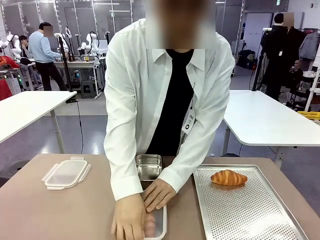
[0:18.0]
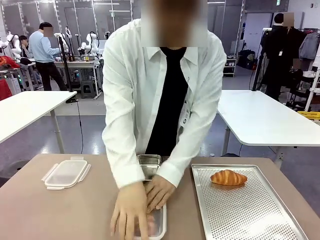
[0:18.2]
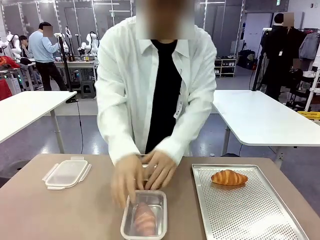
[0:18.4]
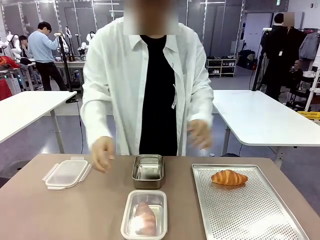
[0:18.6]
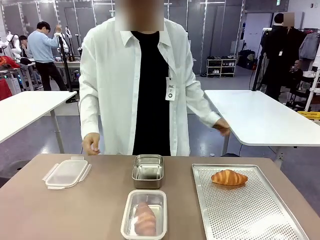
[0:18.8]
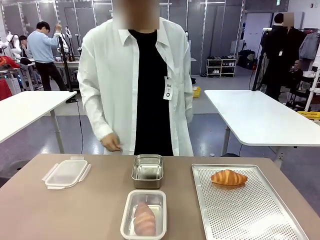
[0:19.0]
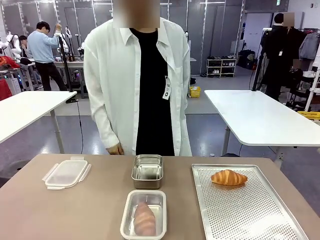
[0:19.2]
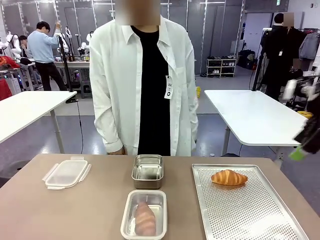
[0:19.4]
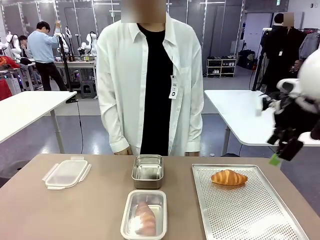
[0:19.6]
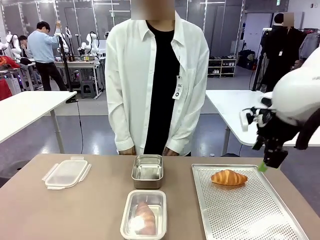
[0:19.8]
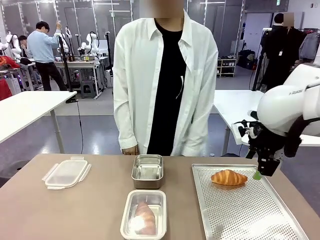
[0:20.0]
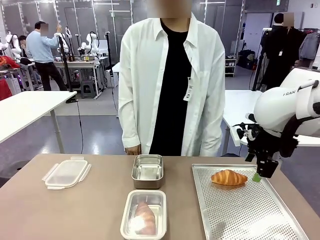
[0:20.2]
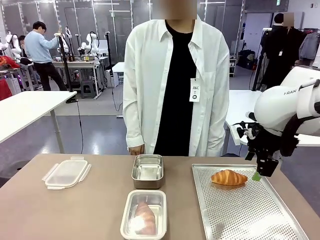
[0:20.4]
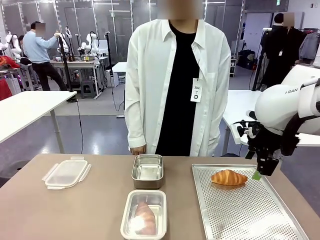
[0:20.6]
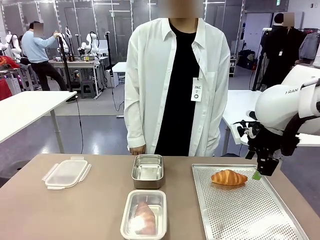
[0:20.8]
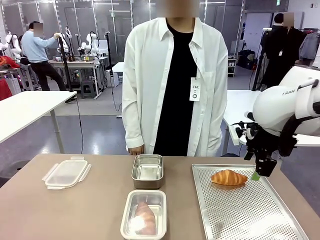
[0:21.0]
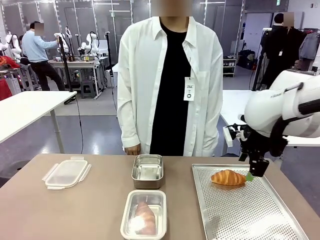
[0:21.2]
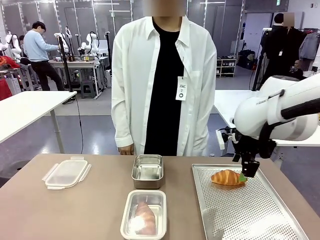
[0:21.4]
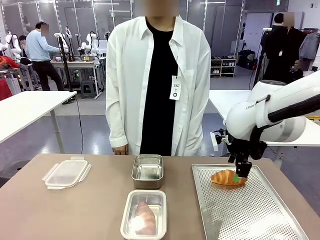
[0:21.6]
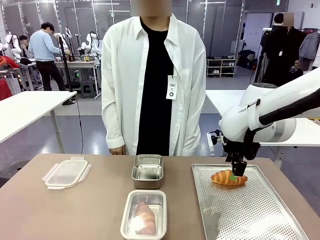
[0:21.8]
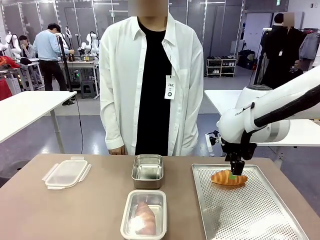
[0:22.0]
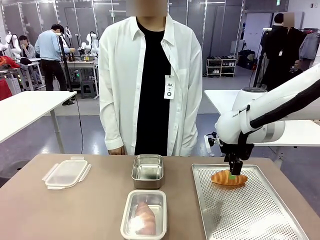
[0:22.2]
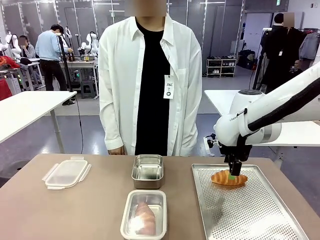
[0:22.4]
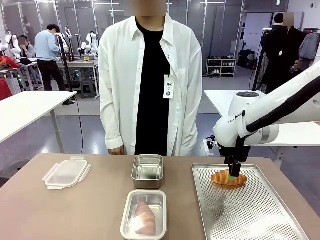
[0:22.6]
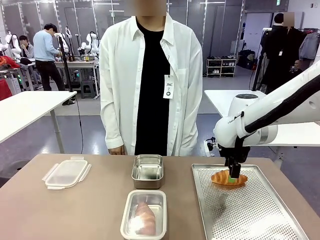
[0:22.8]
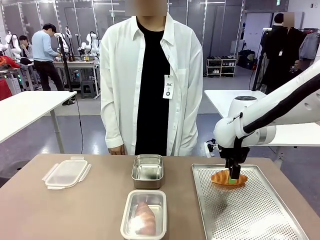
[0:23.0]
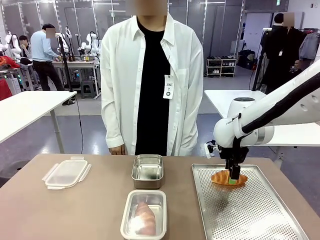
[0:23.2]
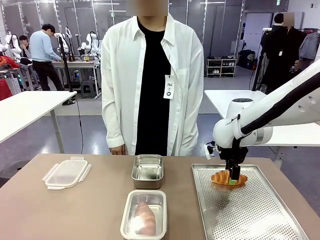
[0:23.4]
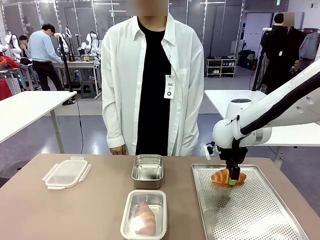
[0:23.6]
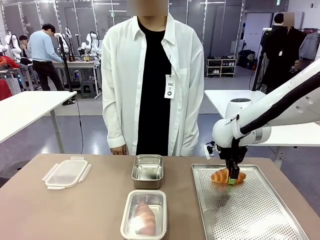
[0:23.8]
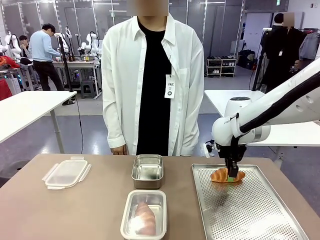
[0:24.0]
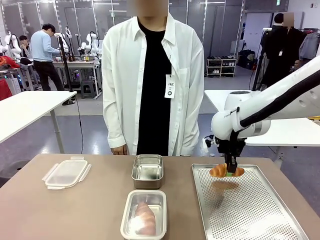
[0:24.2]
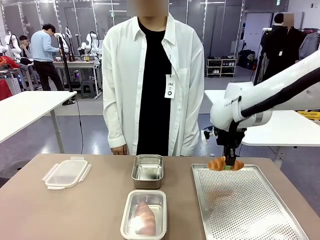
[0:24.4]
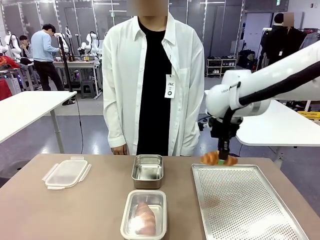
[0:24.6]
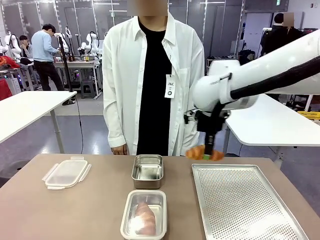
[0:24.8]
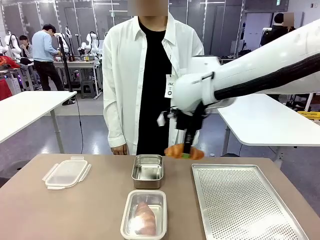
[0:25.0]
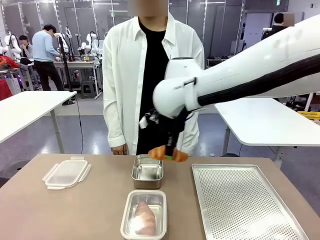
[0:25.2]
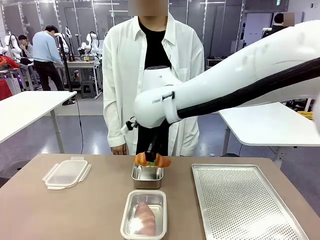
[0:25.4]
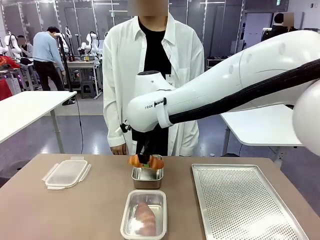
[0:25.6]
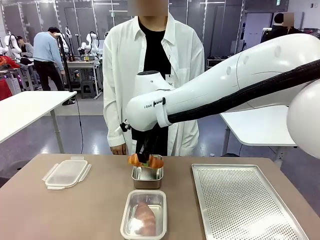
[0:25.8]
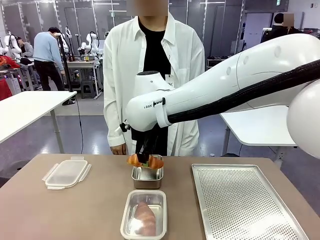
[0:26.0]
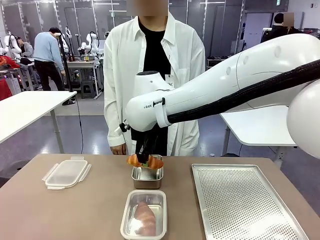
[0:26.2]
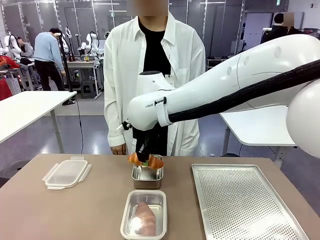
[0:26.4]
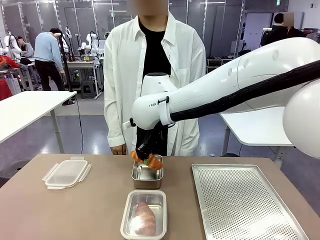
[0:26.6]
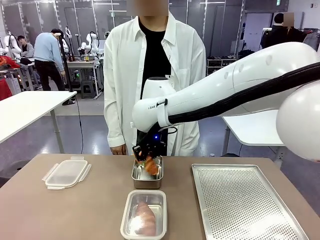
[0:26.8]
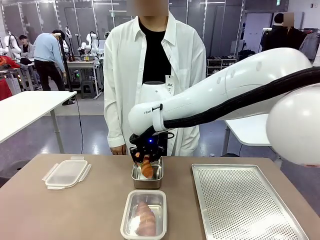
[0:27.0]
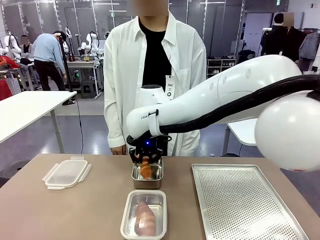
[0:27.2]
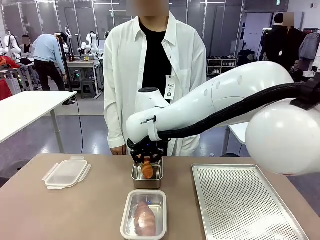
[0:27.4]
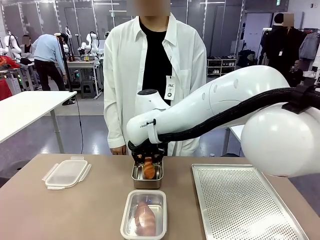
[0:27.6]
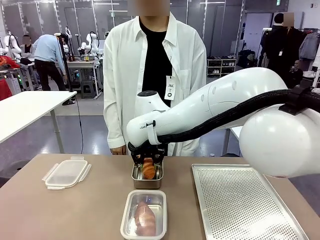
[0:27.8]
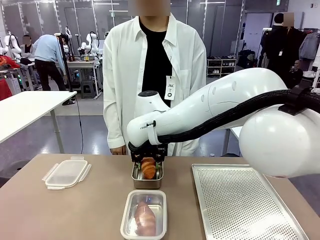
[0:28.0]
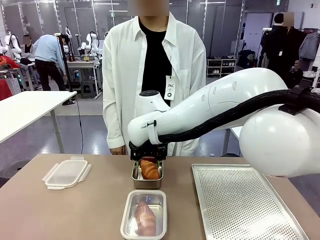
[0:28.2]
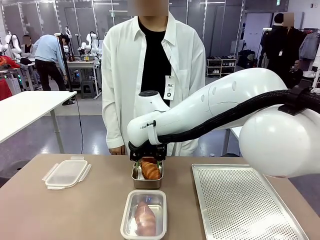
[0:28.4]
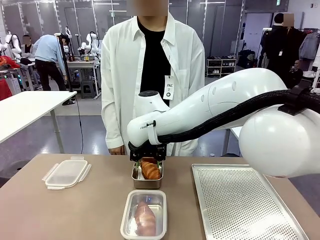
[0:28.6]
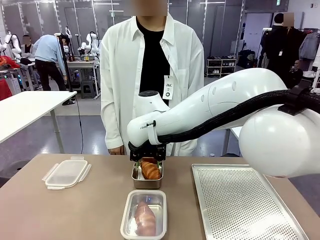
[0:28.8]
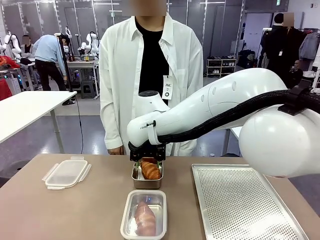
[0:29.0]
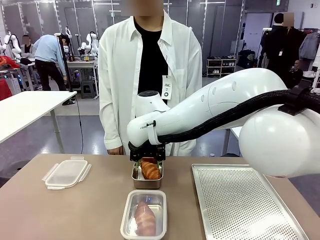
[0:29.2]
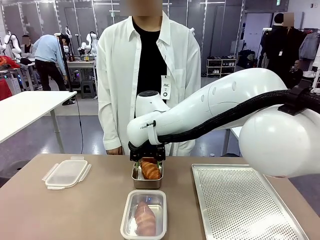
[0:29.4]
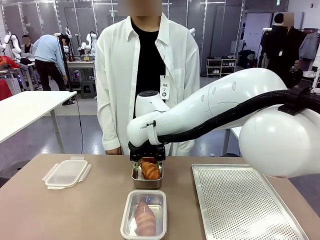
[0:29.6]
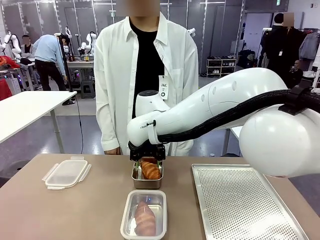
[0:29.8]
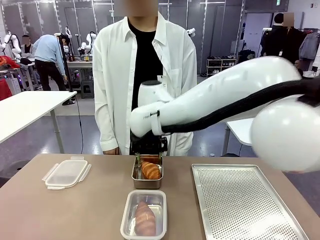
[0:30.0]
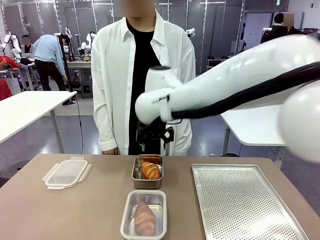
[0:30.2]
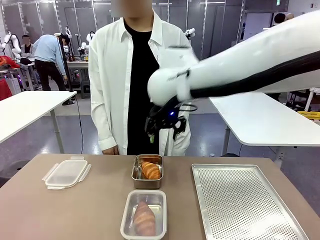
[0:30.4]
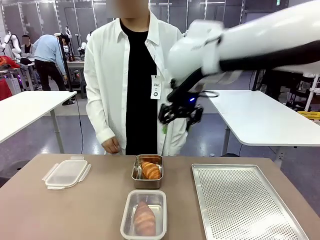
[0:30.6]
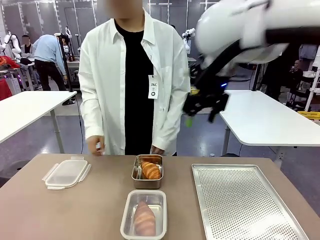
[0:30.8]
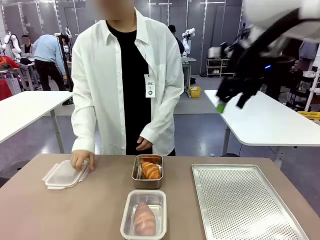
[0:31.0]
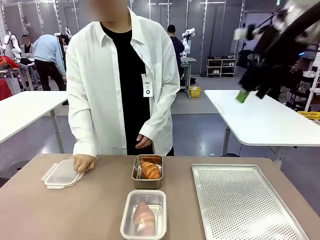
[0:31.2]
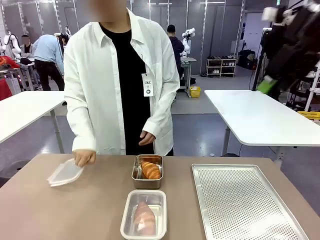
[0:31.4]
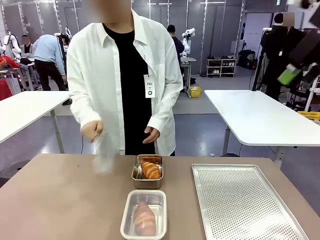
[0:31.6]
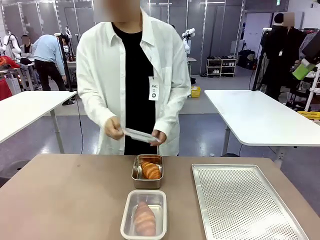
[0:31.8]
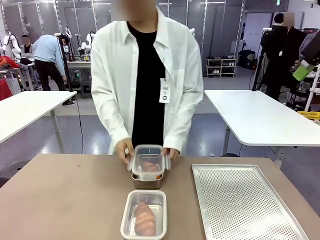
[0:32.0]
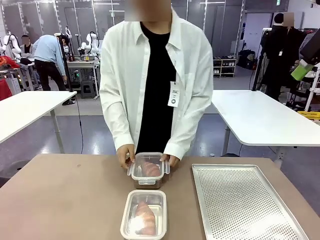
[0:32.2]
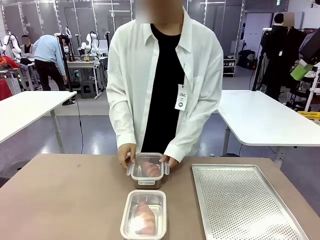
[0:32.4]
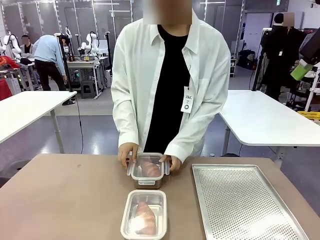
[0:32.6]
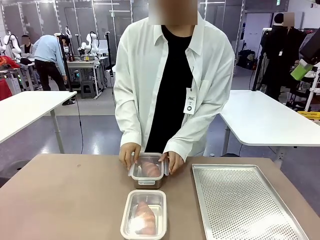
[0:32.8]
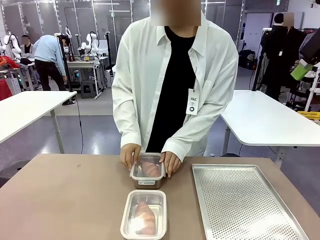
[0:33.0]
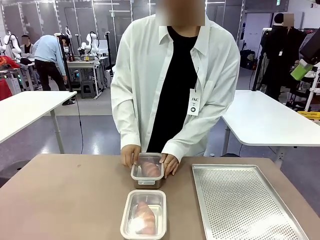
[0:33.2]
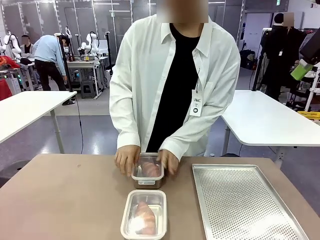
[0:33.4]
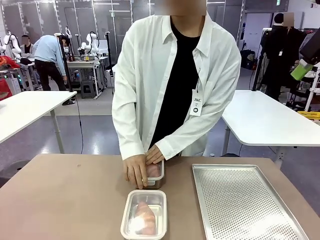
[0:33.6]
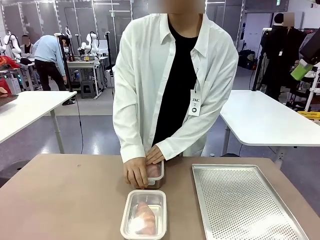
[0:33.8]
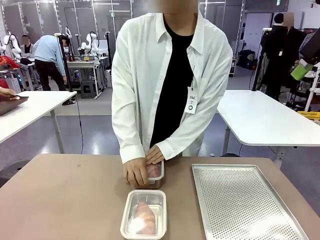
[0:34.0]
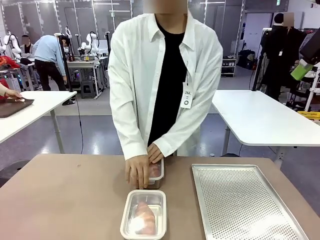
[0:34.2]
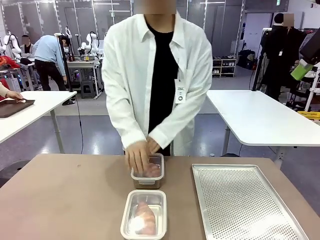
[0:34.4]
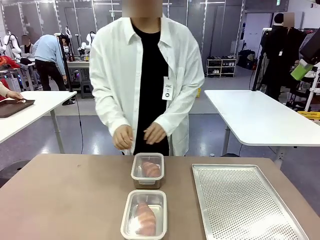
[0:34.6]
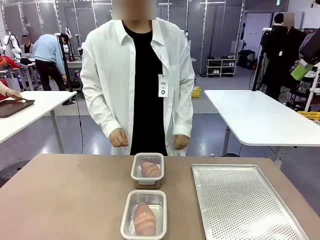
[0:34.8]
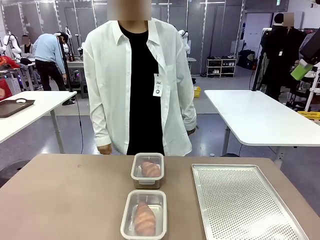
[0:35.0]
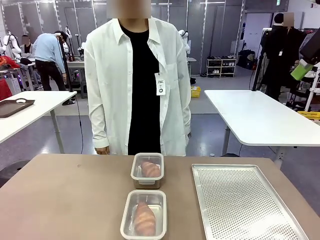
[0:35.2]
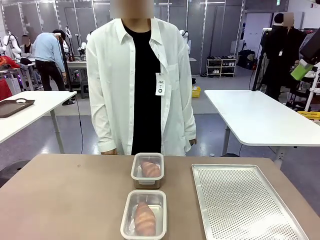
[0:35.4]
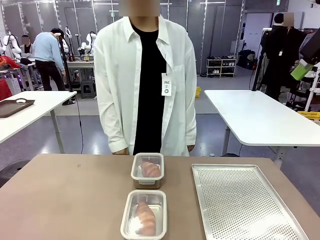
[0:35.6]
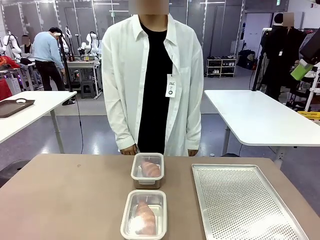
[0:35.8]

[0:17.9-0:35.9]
Task: Place the bread into the airtight container.
Robot: Pick up a Butter Roll and place it into an empty Airtight Container.
Person: Once a Butter Roll is inside an Airtight Container , close the lid of that Airtight Container.
